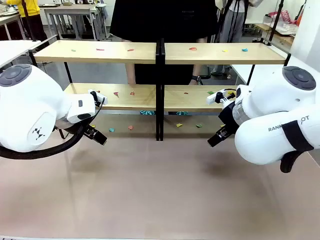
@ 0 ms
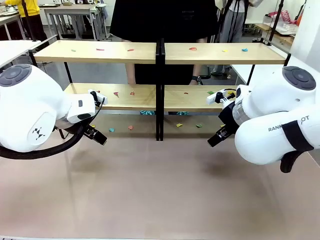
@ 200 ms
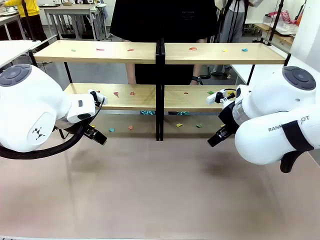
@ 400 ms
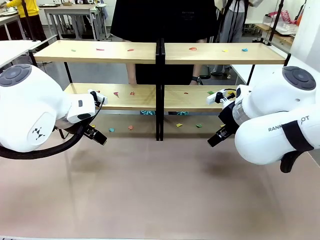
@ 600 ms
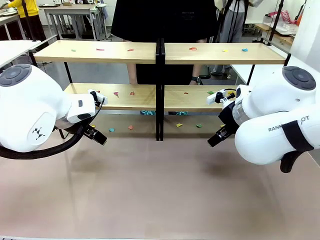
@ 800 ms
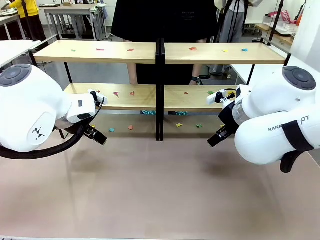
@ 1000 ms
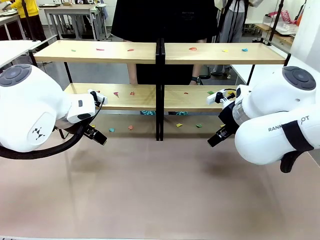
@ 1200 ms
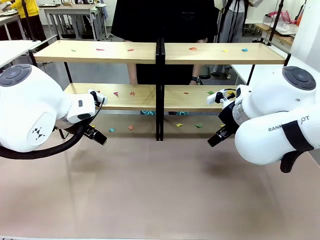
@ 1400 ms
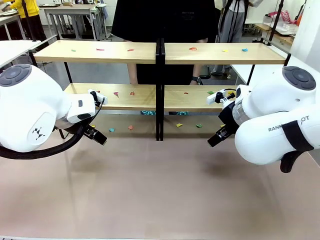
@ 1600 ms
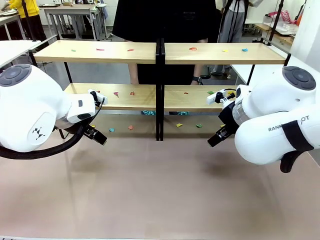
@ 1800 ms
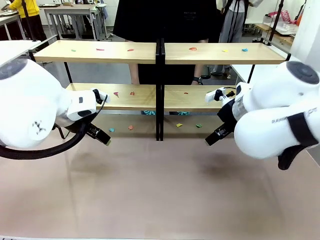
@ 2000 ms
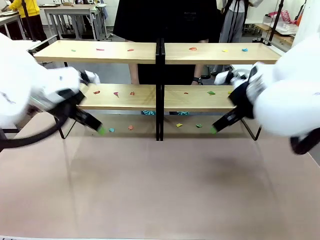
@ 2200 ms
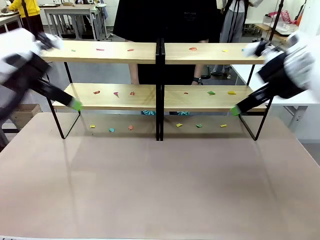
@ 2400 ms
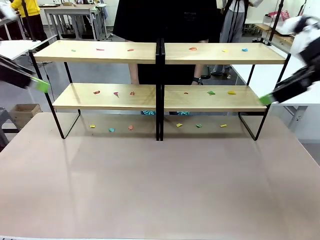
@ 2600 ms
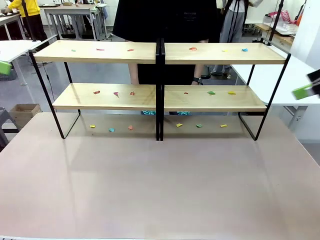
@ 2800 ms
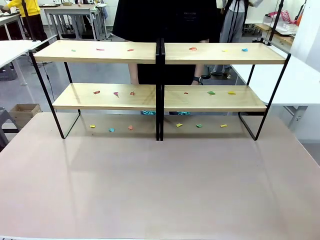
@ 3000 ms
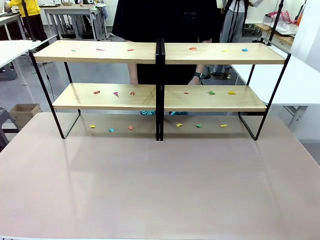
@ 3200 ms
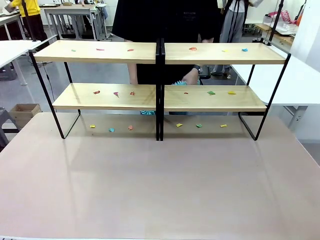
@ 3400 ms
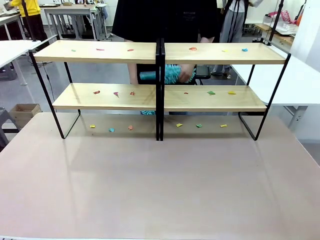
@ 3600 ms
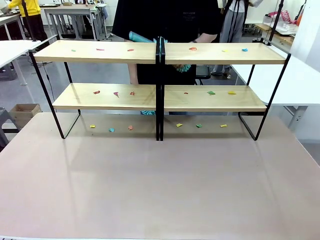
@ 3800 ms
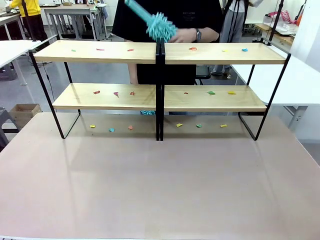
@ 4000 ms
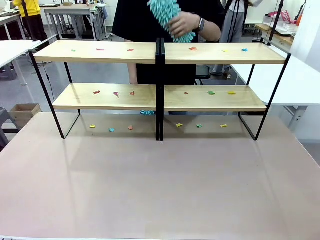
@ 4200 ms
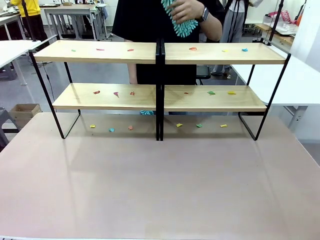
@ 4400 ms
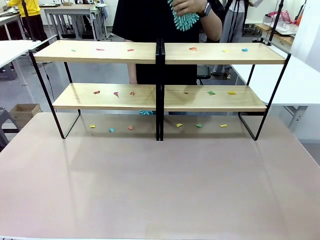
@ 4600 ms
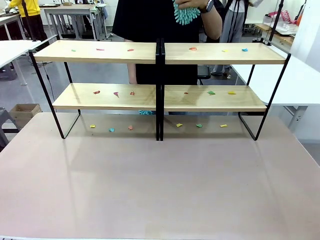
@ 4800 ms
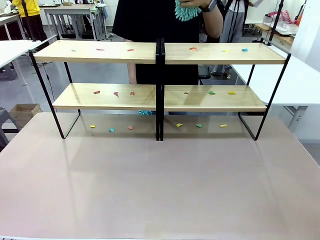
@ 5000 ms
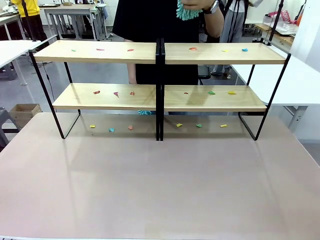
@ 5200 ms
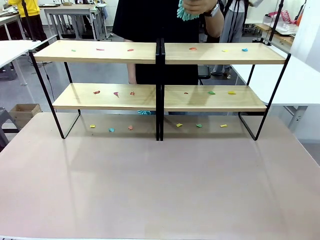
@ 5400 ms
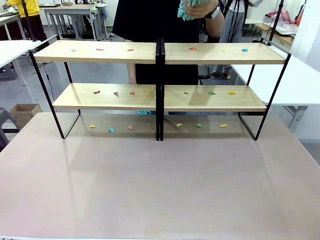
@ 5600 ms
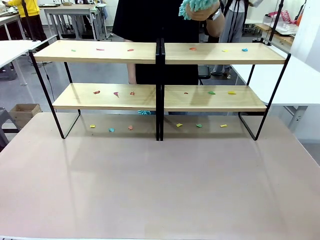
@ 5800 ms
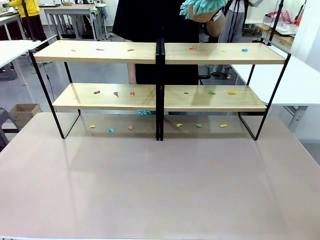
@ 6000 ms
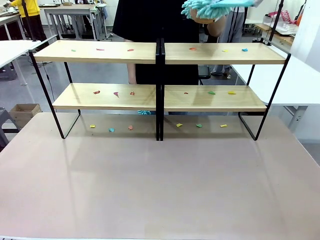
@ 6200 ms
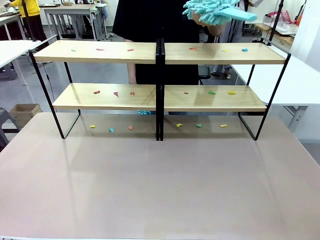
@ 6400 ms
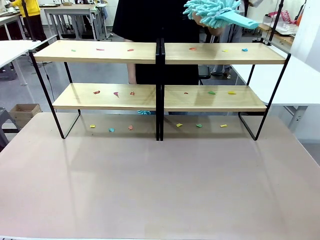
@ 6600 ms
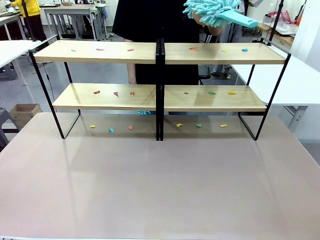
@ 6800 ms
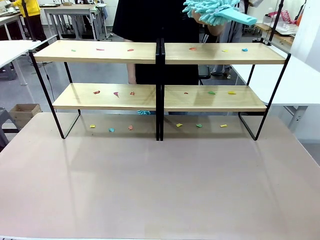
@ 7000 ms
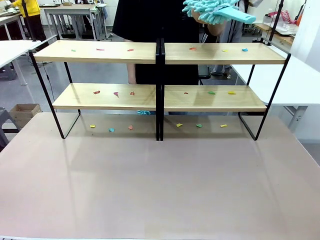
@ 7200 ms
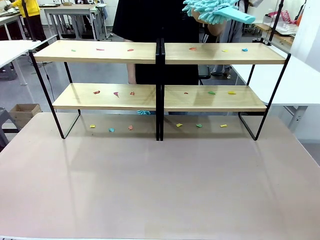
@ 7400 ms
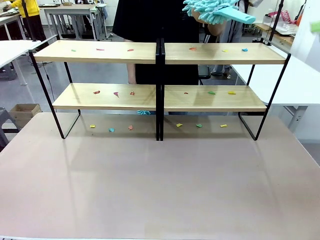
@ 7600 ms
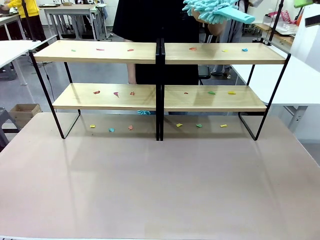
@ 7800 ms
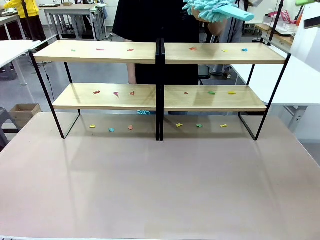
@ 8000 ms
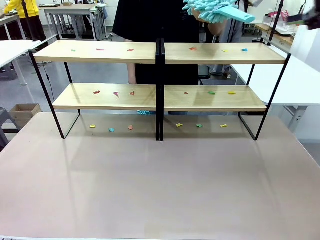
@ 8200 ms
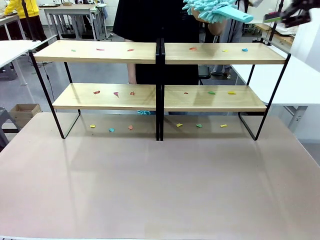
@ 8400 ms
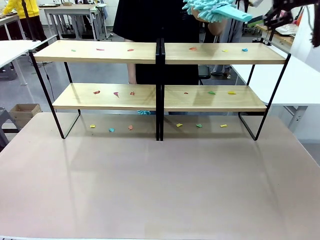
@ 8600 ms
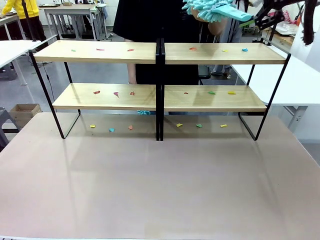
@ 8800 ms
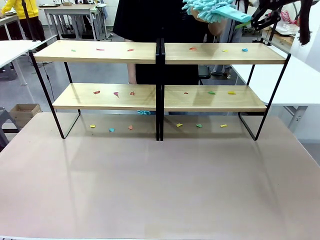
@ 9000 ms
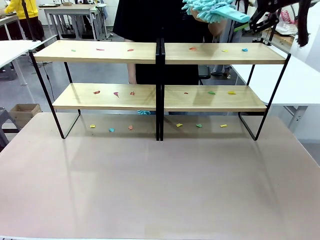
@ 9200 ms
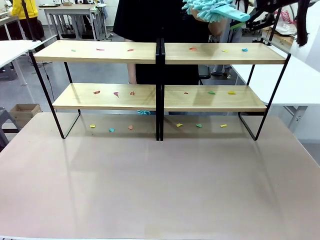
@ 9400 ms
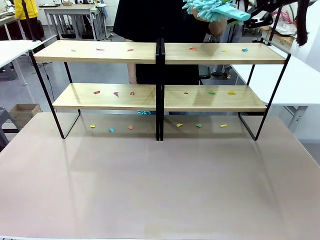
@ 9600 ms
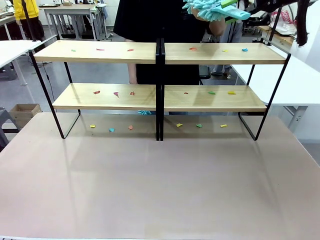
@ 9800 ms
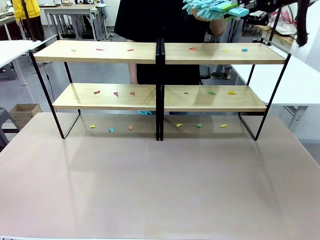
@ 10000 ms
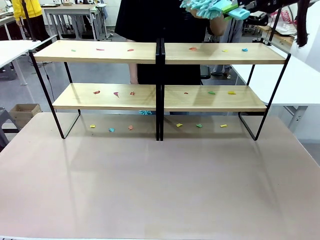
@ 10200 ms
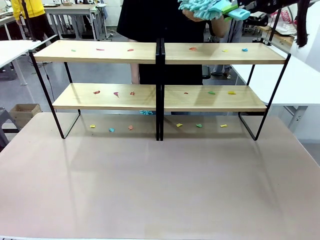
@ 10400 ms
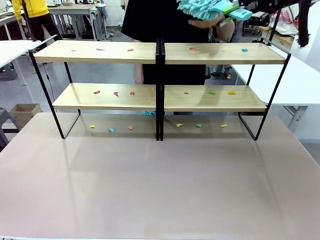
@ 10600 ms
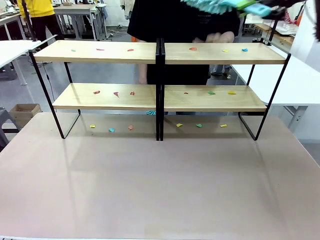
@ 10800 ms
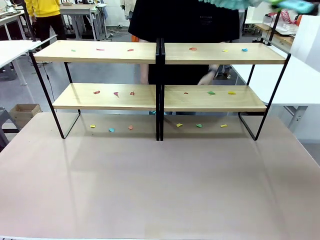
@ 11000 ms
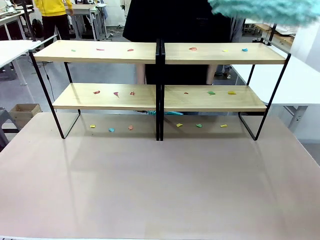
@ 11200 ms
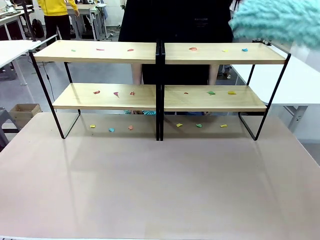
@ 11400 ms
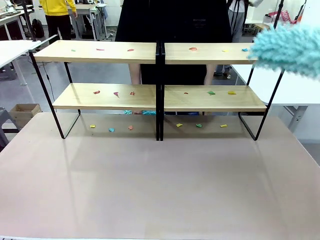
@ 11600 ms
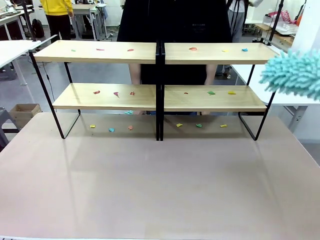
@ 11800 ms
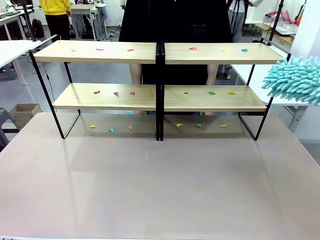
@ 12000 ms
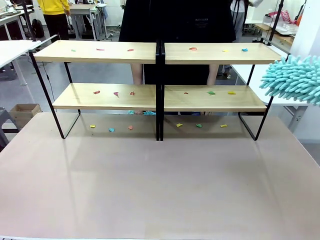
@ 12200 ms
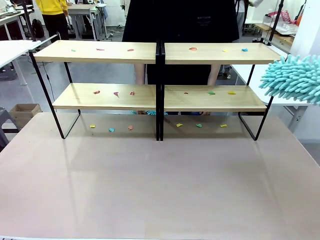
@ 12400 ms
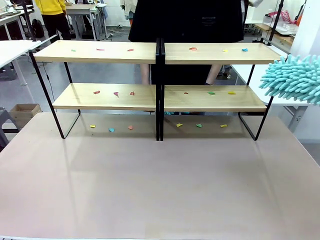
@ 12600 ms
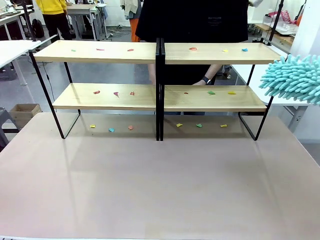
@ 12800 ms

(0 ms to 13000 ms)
Task: Clean the shelves.
Robot: Pick up the Duster when the human hands it over.
Person: Hand the Duster to the robot with your right (or left) hand.

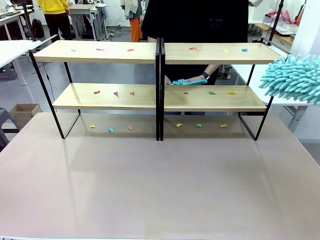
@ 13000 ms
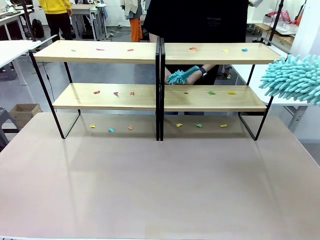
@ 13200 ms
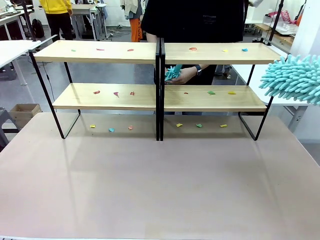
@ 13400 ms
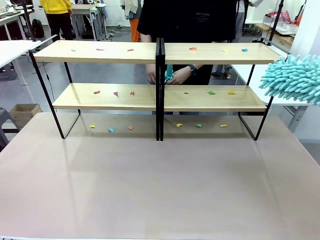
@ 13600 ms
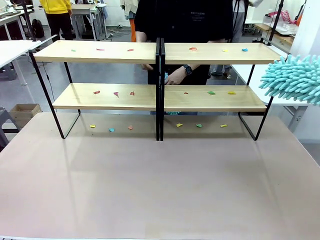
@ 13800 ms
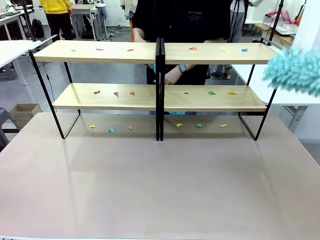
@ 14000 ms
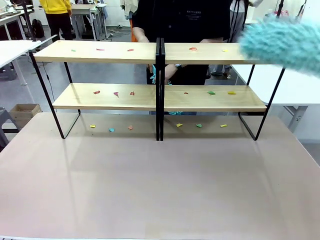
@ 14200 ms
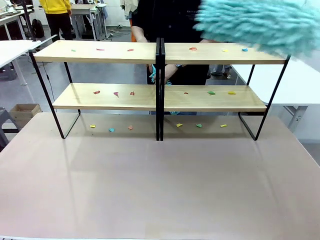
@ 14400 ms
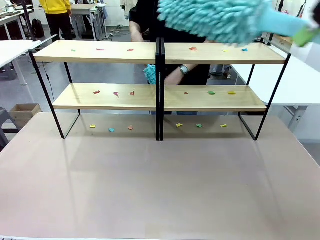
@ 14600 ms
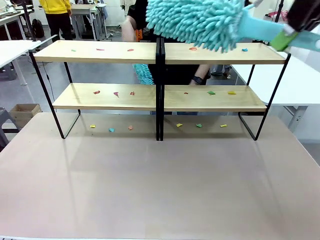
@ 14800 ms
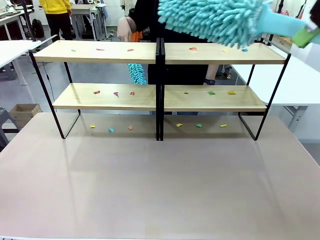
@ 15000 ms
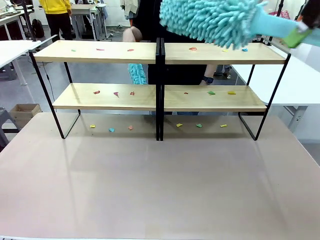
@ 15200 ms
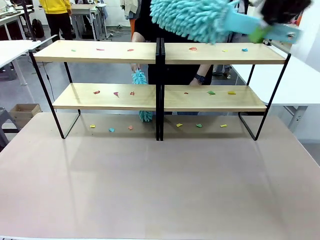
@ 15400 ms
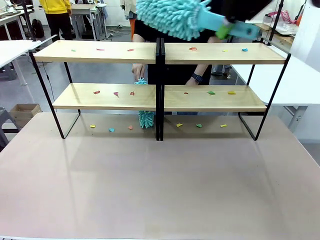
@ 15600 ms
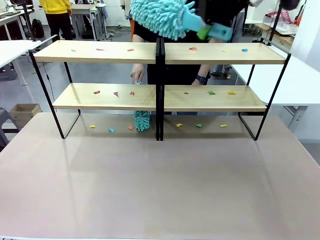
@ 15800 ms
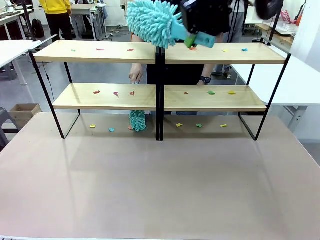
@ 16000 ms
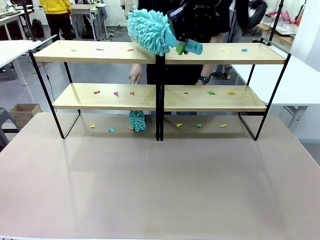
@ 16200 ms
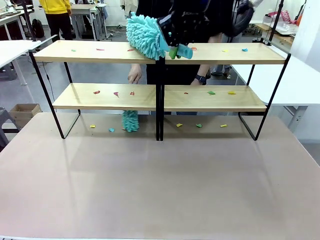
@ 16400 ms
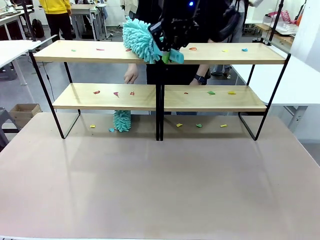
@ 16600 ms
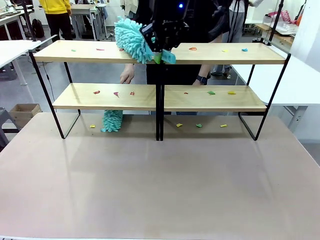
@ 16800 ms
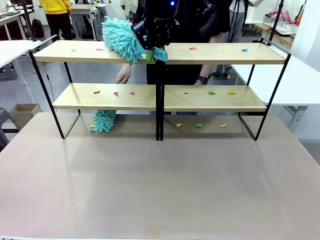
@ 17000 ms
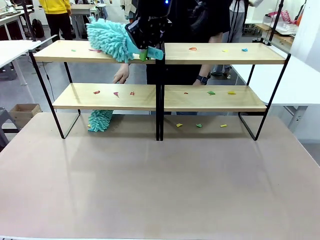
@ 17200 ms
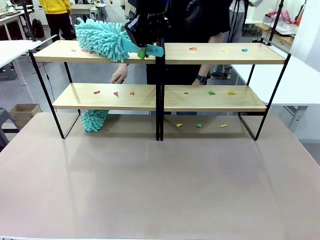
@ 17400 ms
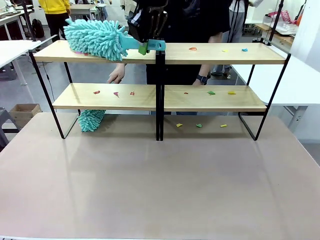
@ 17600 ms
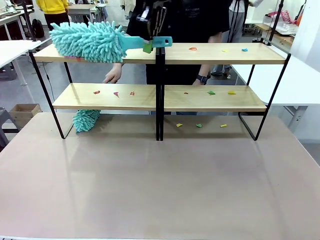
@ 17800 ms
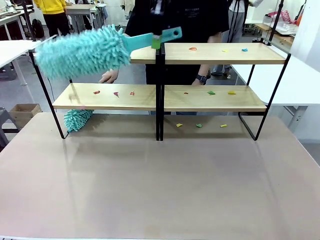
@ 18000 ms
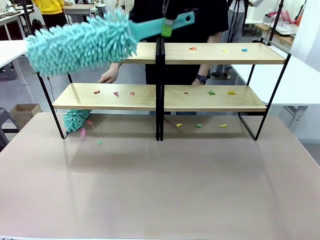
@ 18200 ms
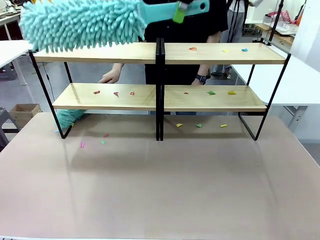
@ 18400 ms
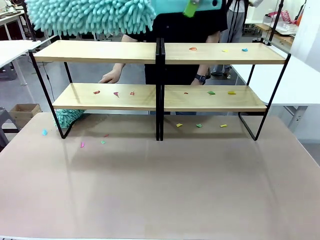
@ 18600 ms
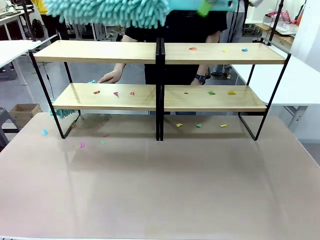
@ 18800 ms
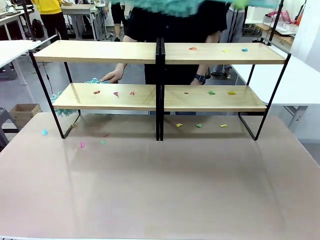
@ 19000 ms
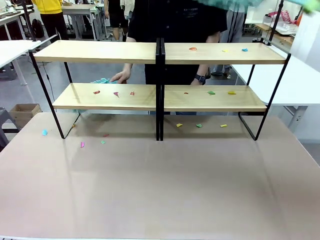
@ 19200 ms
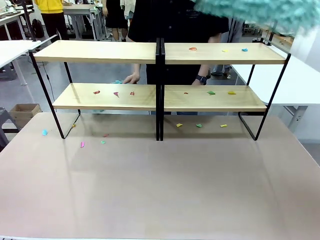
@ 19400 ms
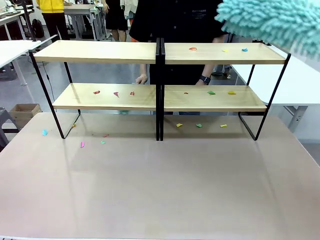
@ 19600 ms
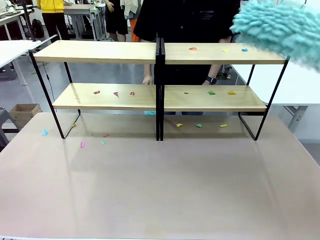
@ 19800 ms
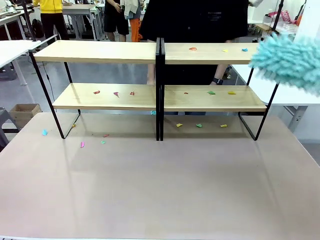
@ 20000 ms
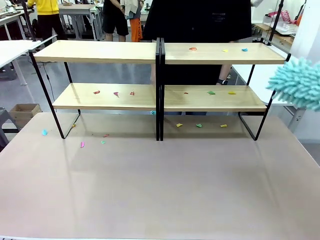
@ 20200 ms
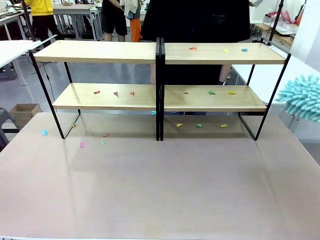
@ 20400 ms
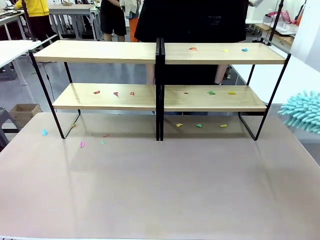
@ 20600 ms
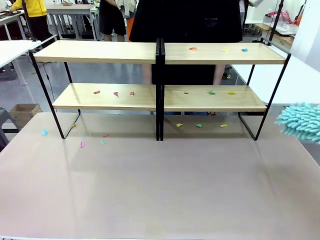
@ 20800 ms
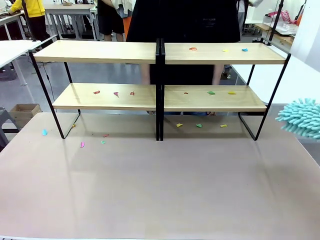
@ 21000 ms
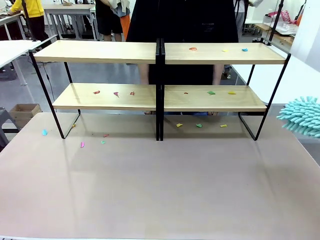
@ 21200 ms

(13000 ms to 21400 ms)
Robot: Clean a randomly selected level of the Shelf with the Duster.
